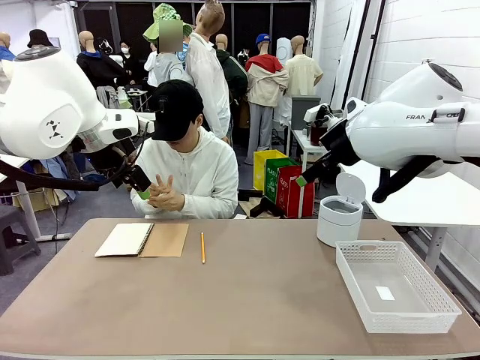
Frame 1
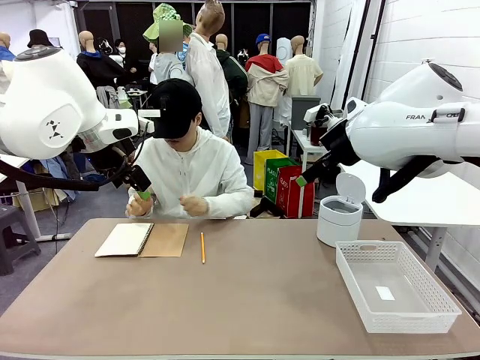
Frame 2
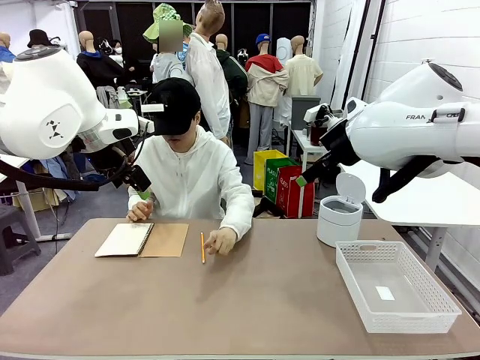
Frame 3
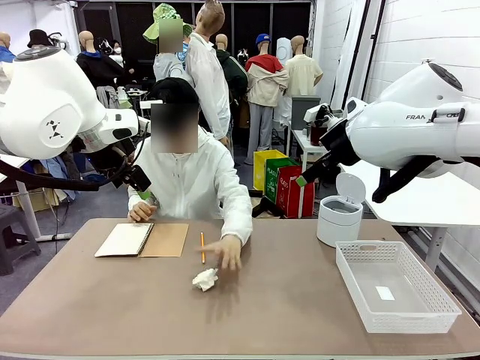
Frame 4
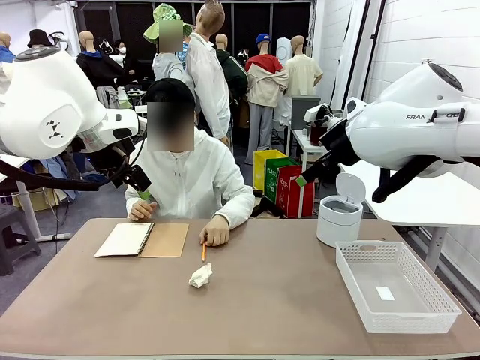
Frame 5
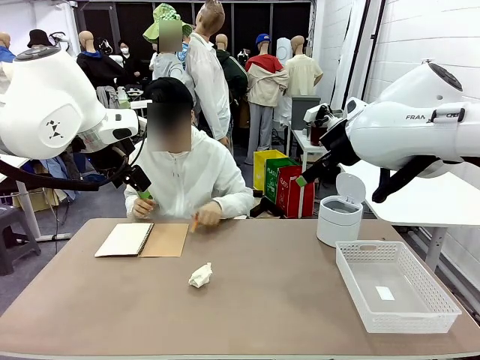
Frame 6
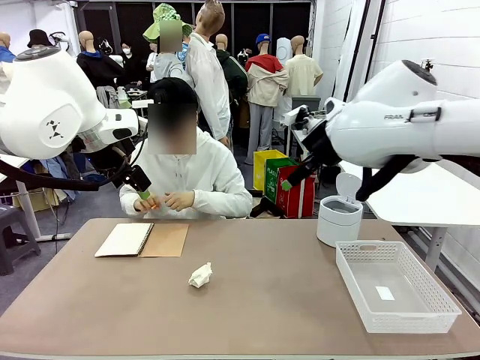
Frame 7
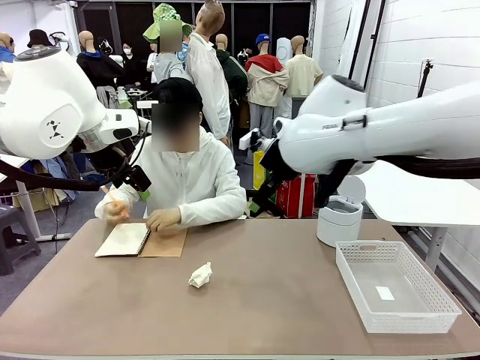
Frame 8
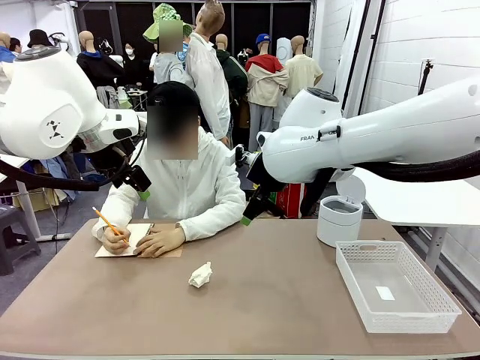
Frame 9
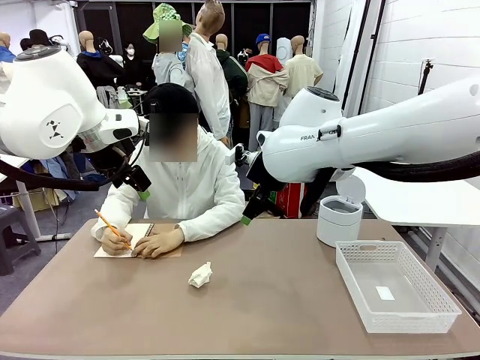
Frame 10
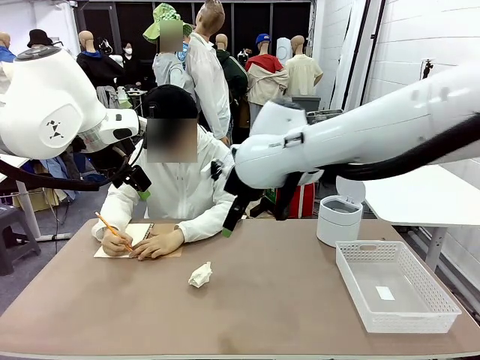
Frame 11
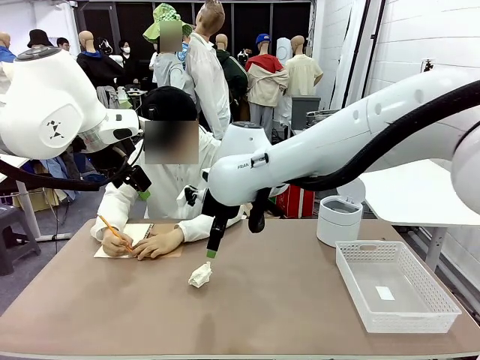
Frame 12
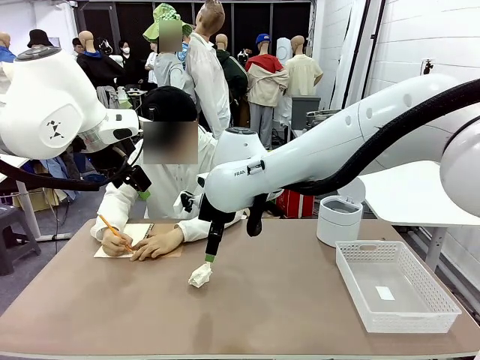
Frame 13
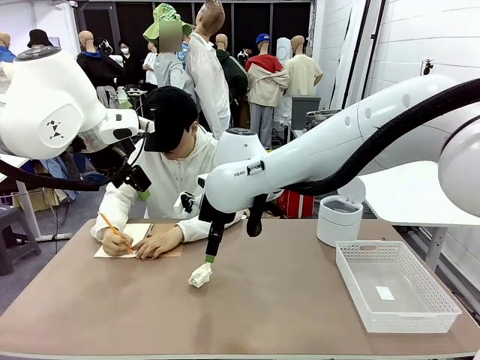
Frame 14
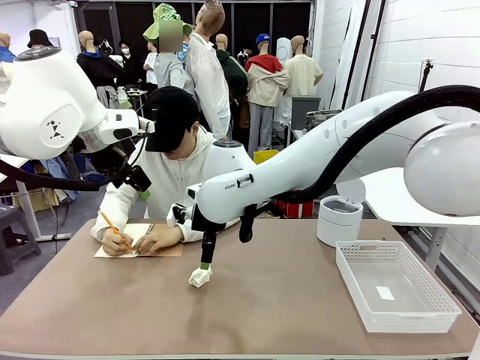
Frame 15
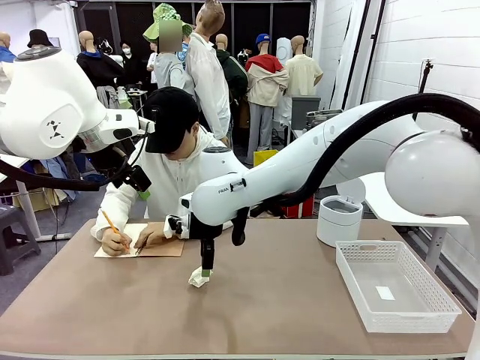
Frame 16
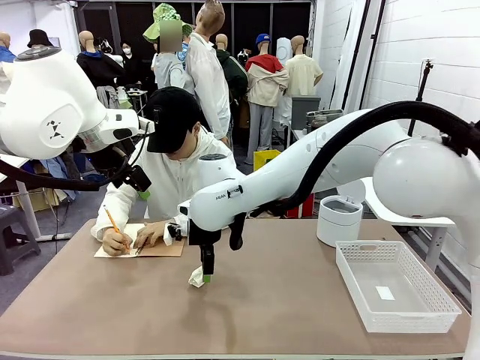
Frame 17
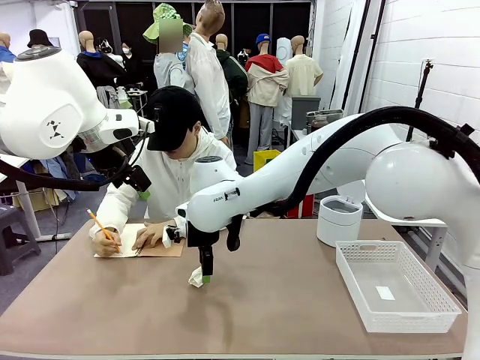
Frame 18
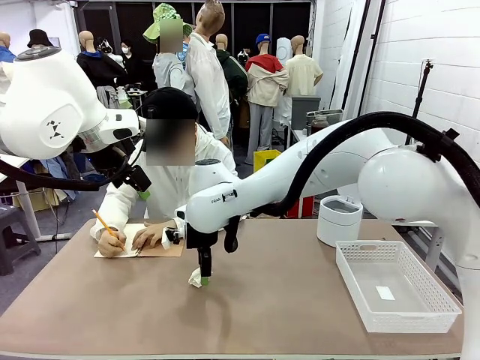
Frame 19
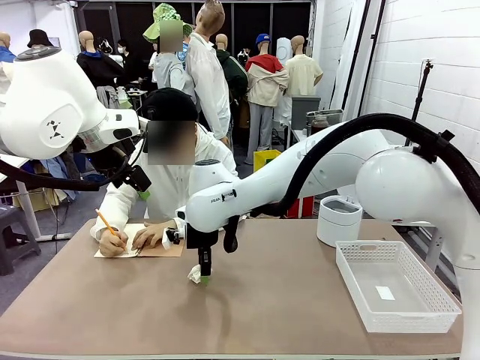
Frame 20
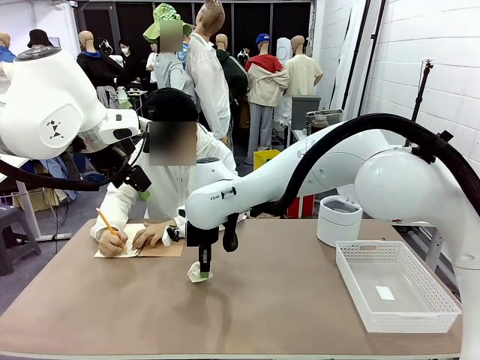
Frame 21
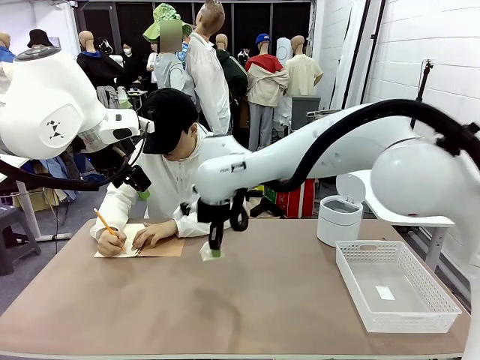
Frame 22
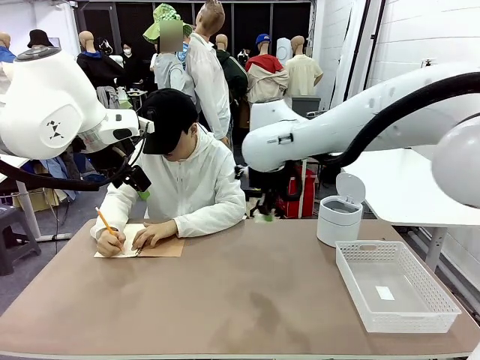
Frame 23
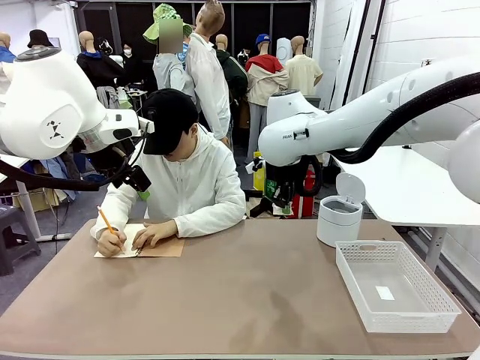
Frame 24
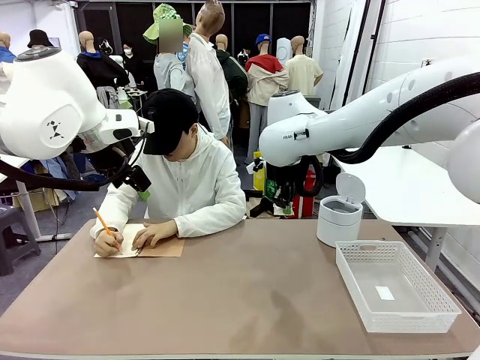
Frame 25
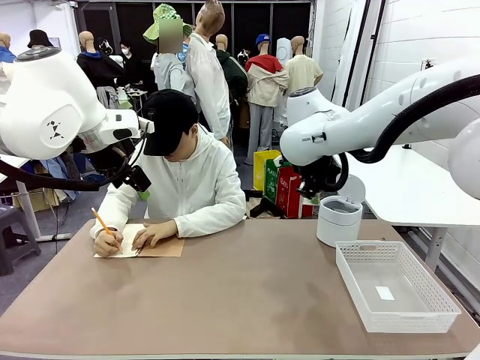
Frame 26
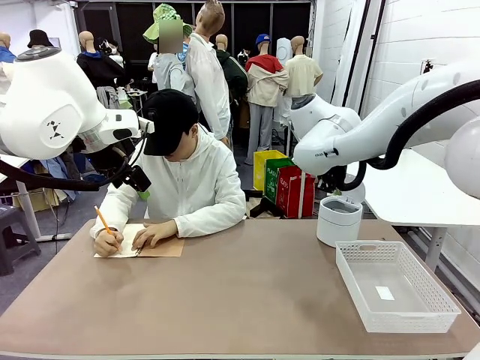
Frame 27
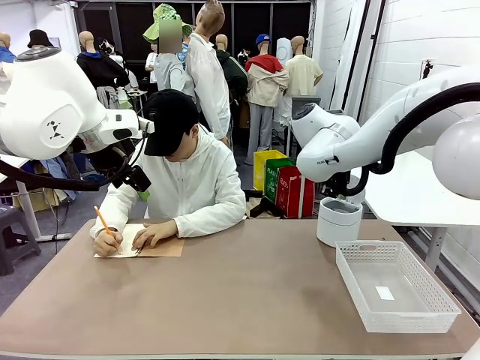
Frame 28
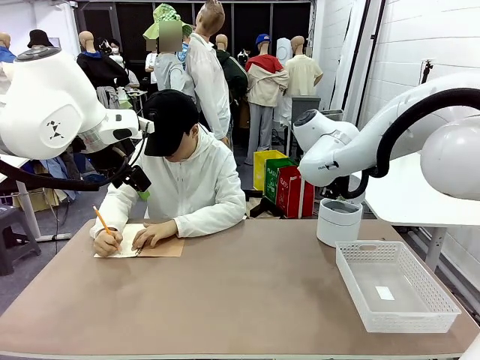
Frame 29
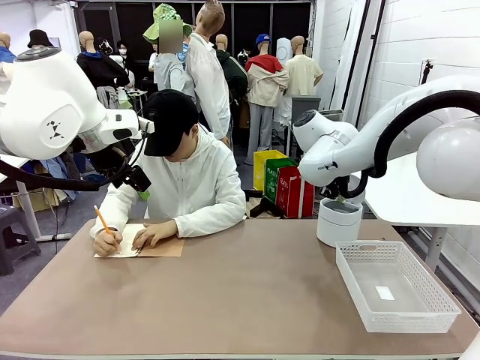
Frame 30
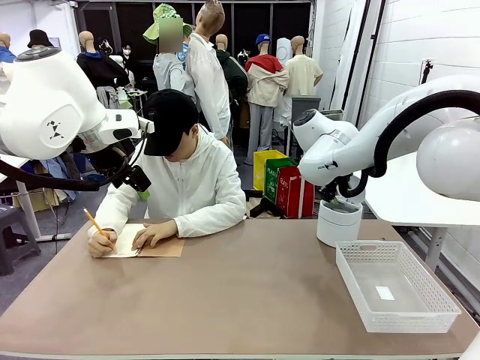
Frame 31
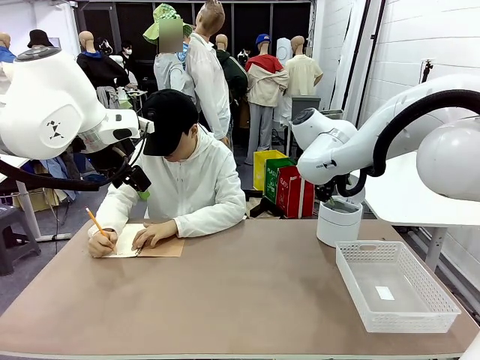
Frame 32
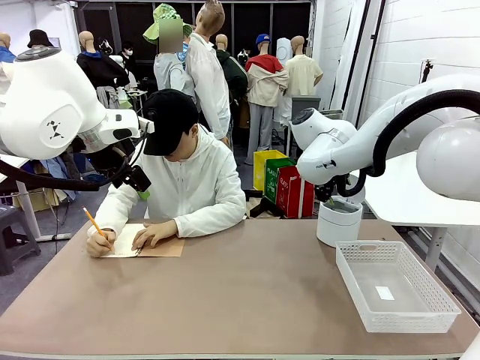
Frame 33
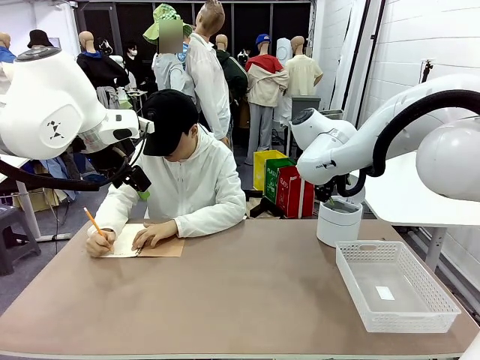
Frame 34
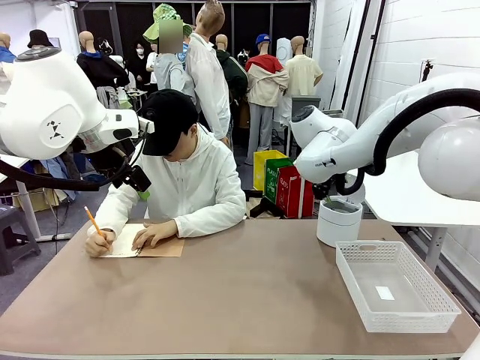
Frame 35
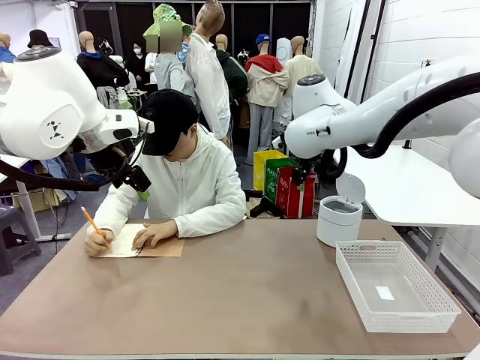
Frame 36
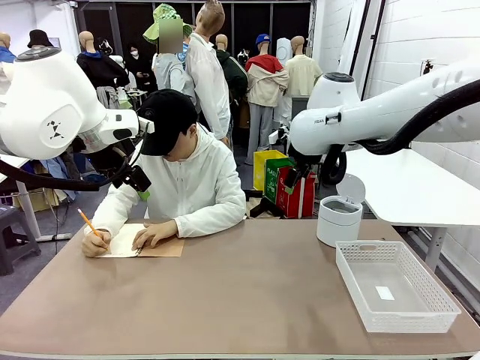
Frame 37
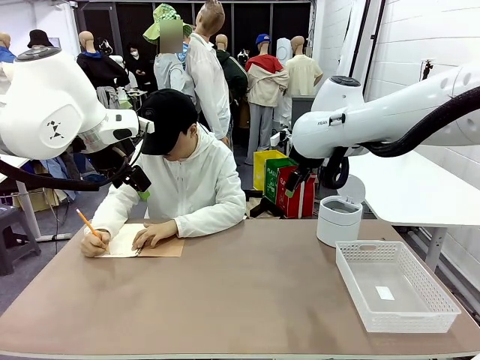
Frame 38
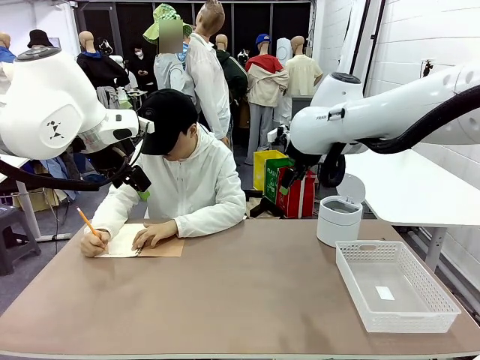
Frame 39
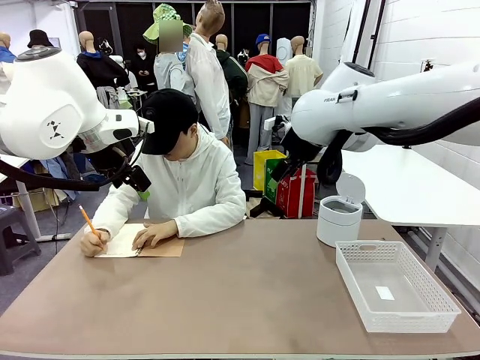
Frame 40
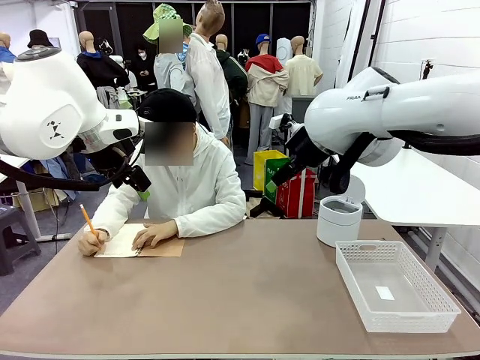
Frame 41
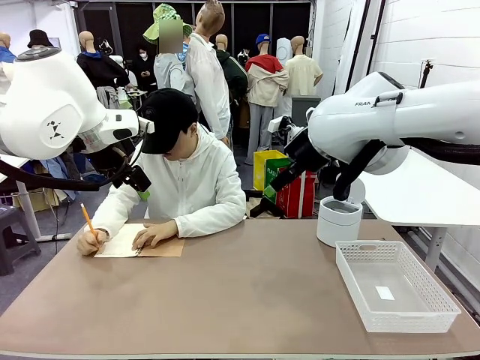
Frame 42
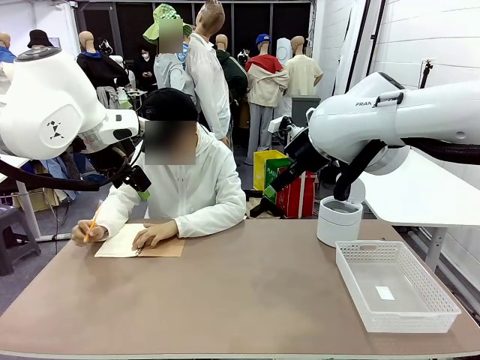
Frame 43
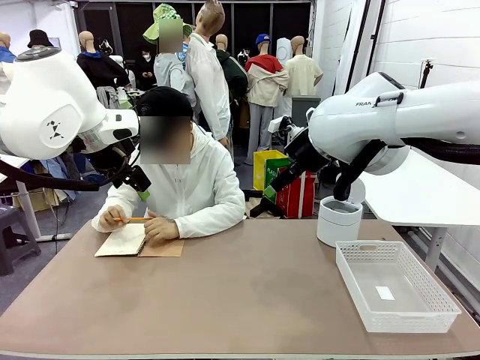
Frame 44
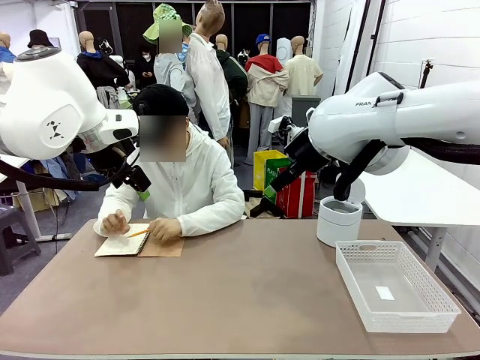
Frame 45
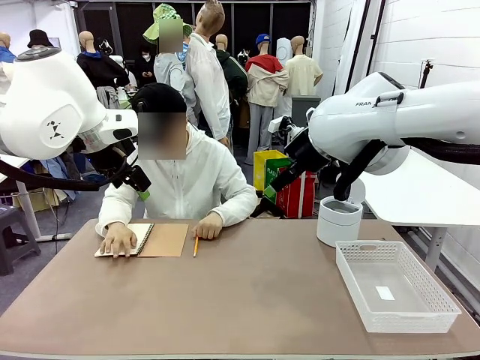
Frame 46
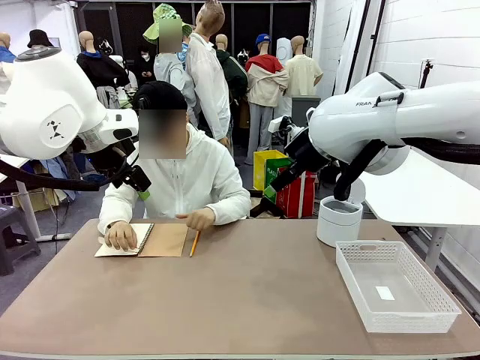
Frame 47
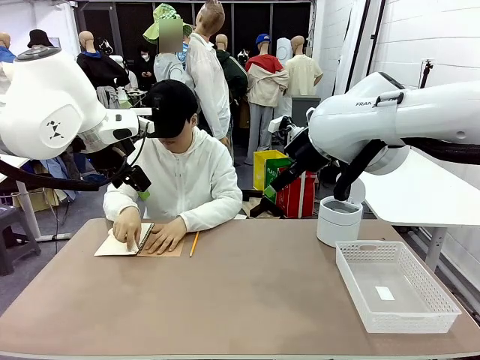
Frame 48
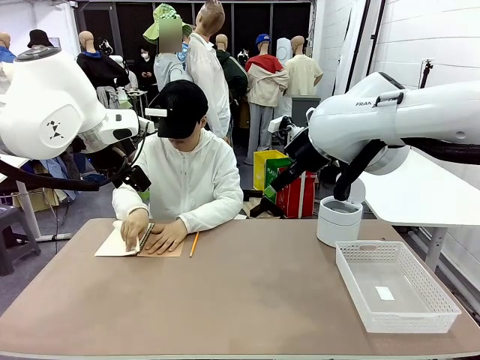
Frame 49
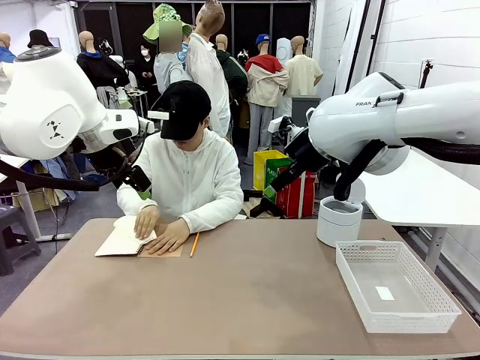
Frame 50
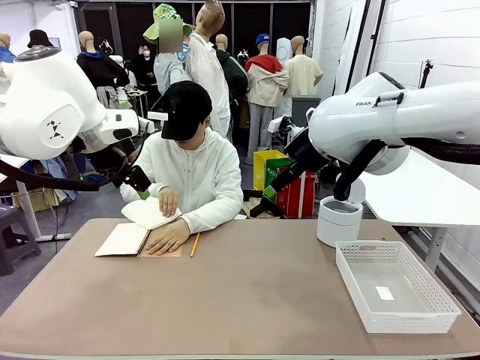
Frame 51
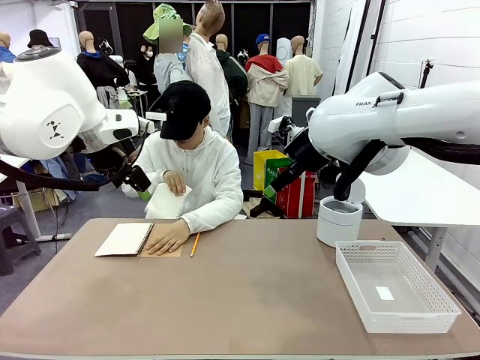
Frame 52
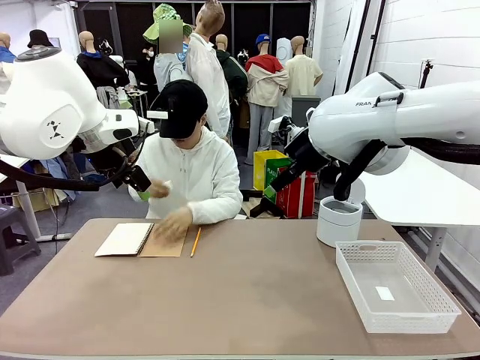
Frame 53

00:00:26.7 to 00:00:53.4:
Task: Sort the paper based on its condition.
Robot: If a person hands you a paper, place it in the Organizing basket , and if it's crumpled, put it in the Trash can.
Person: Tear out a page from the spiral notebook.
